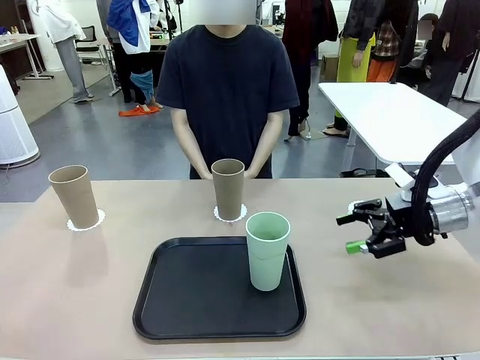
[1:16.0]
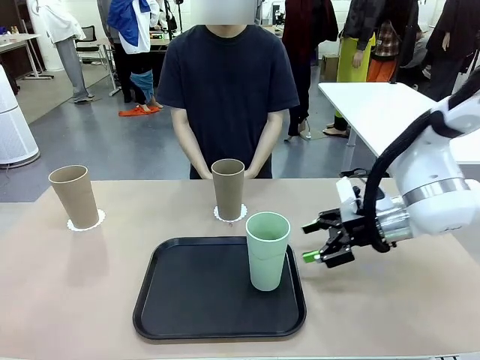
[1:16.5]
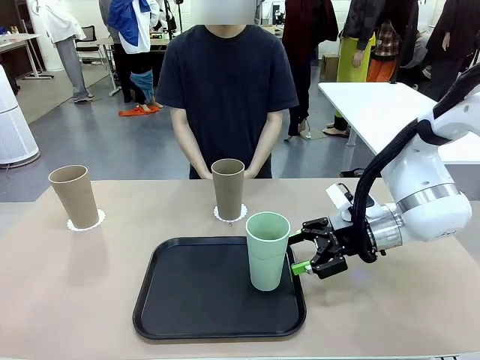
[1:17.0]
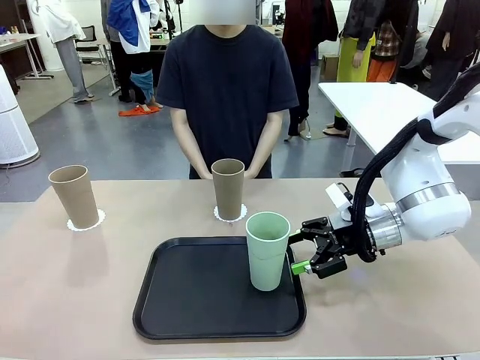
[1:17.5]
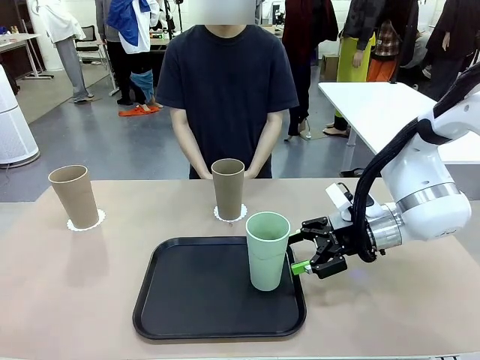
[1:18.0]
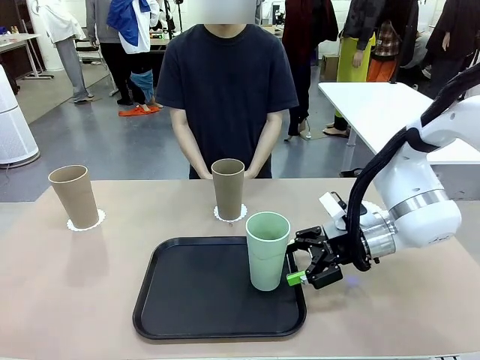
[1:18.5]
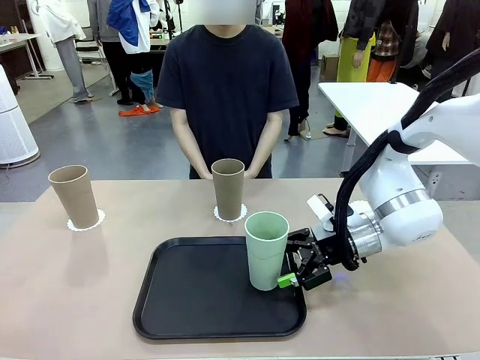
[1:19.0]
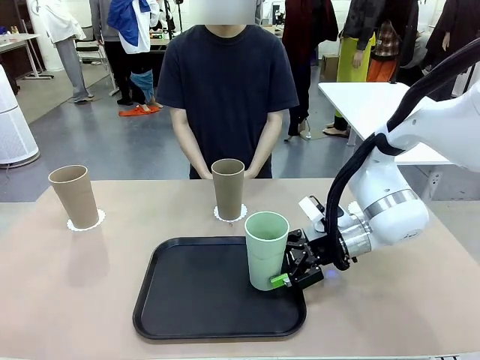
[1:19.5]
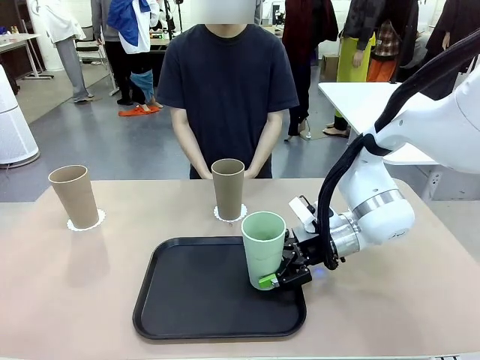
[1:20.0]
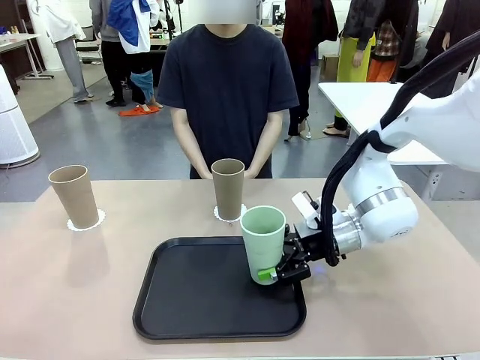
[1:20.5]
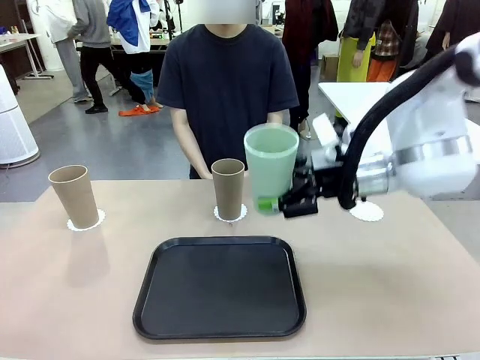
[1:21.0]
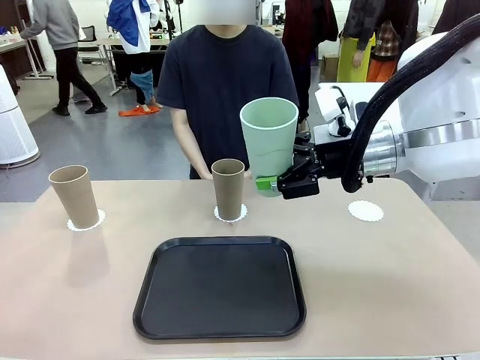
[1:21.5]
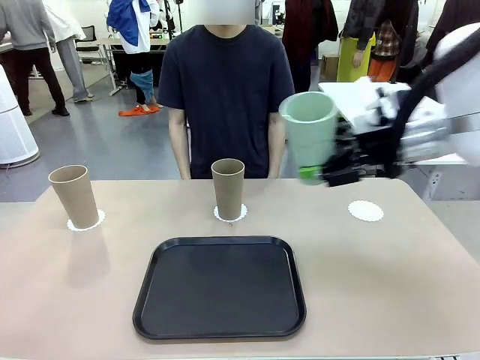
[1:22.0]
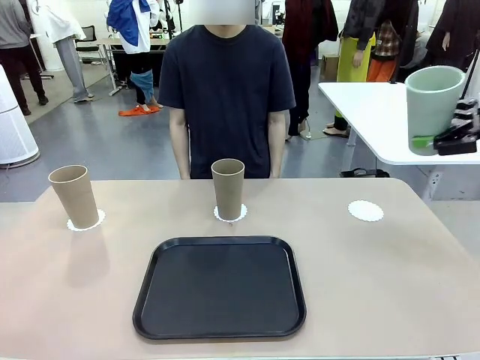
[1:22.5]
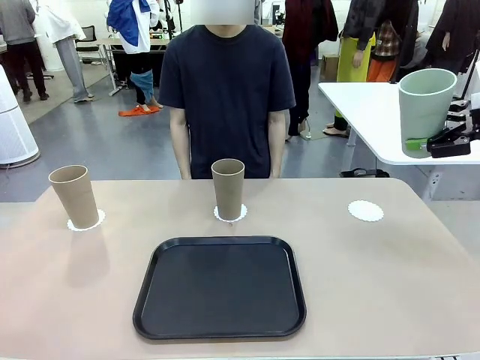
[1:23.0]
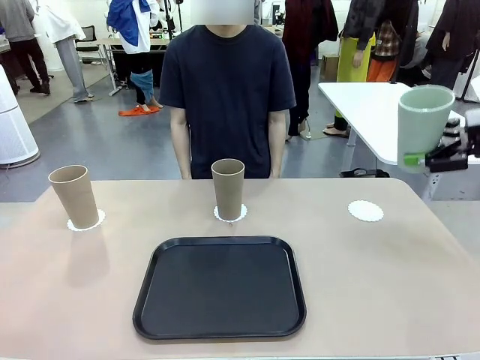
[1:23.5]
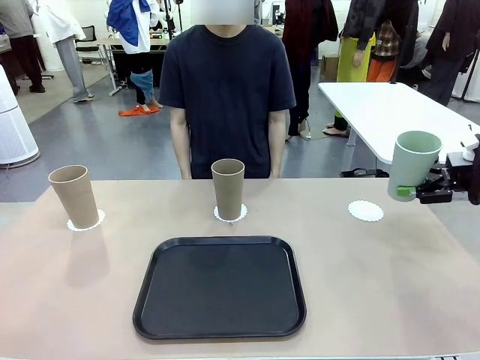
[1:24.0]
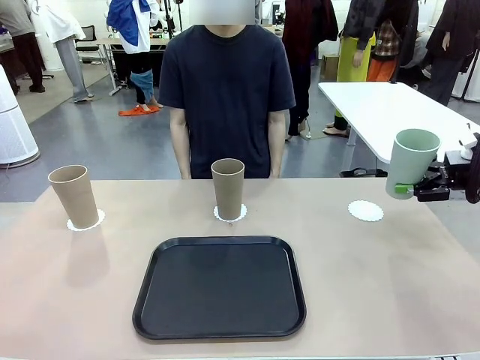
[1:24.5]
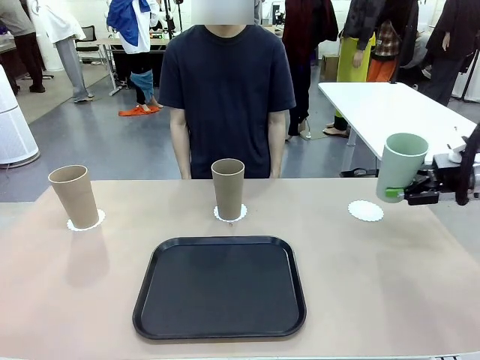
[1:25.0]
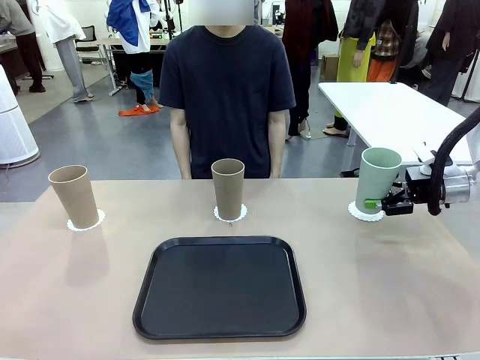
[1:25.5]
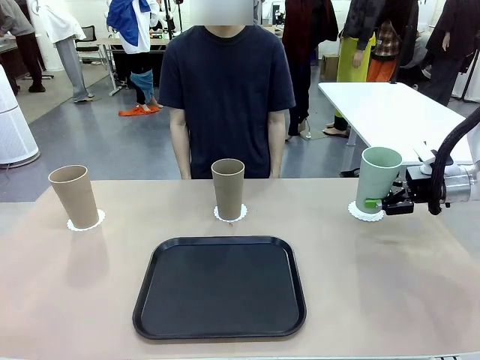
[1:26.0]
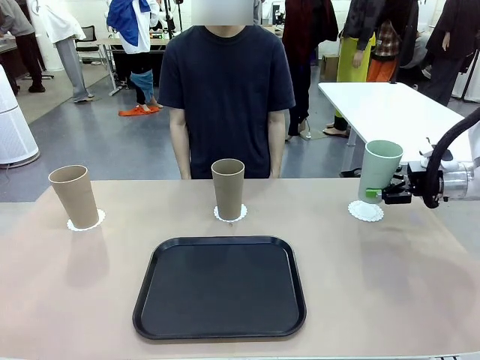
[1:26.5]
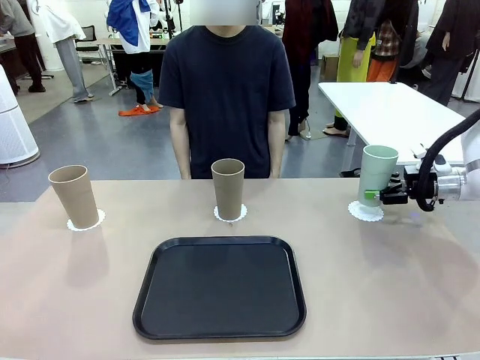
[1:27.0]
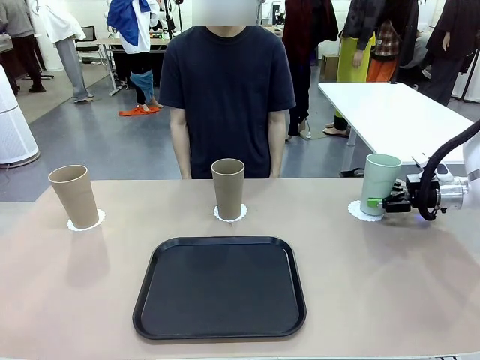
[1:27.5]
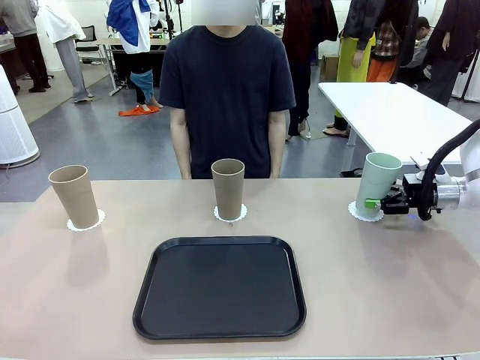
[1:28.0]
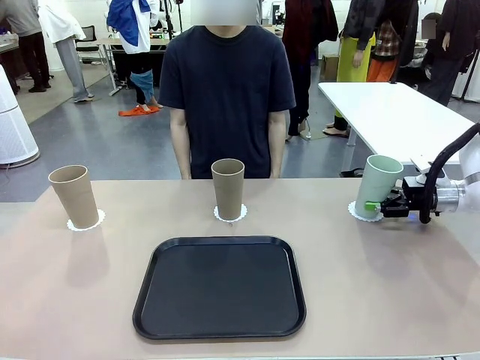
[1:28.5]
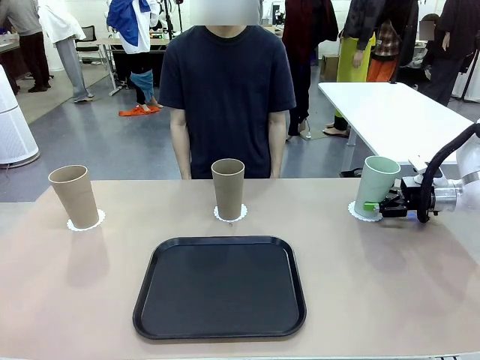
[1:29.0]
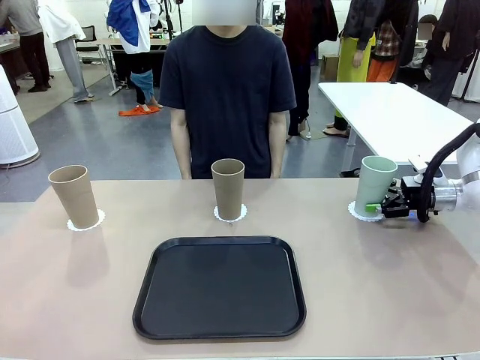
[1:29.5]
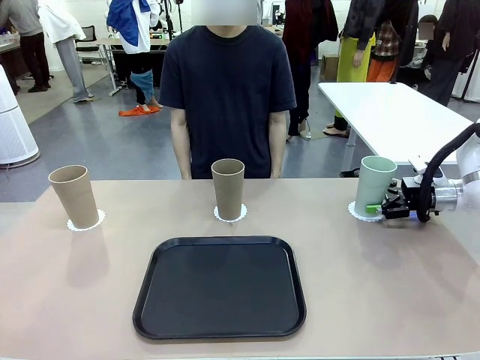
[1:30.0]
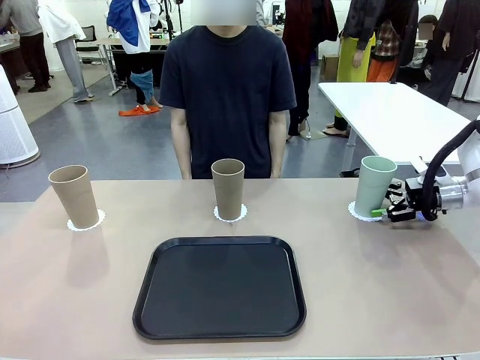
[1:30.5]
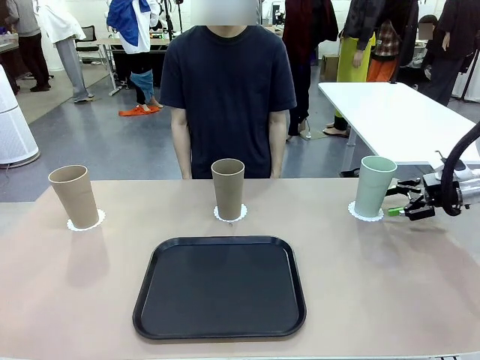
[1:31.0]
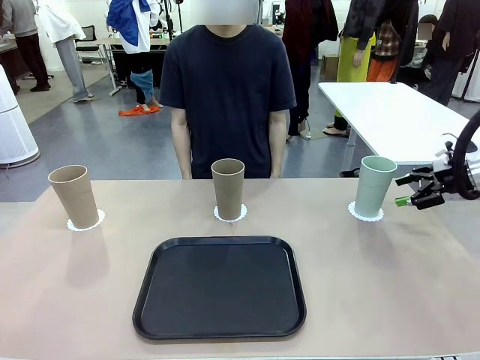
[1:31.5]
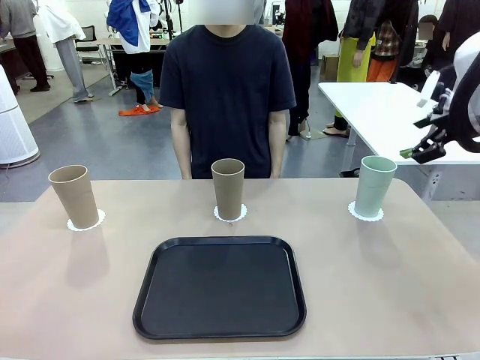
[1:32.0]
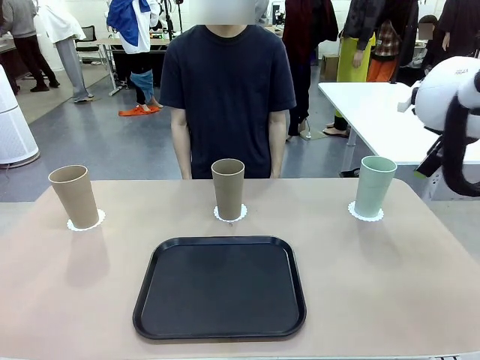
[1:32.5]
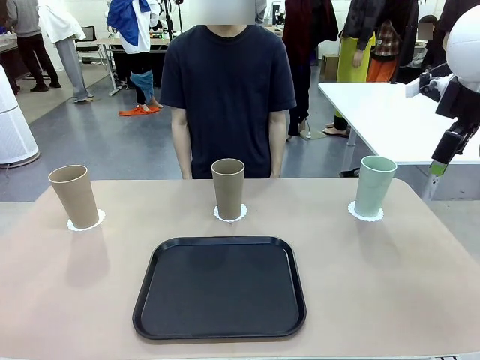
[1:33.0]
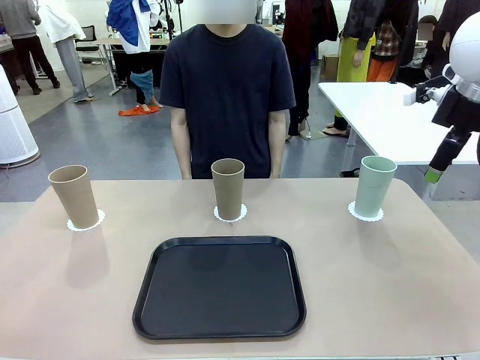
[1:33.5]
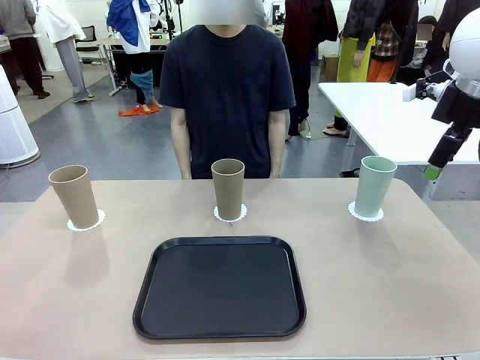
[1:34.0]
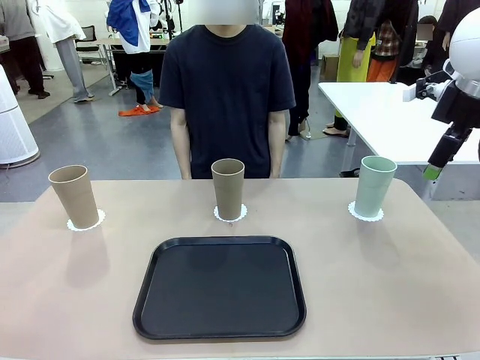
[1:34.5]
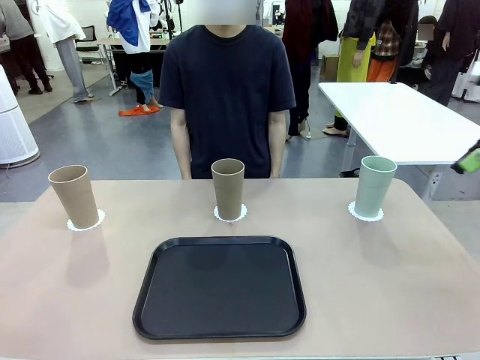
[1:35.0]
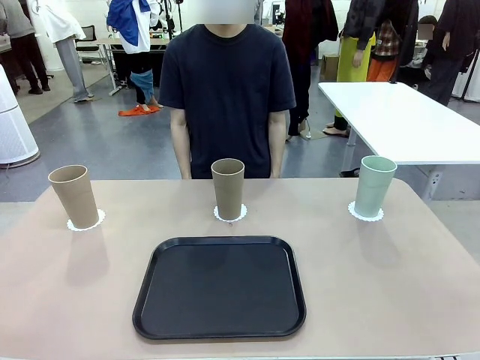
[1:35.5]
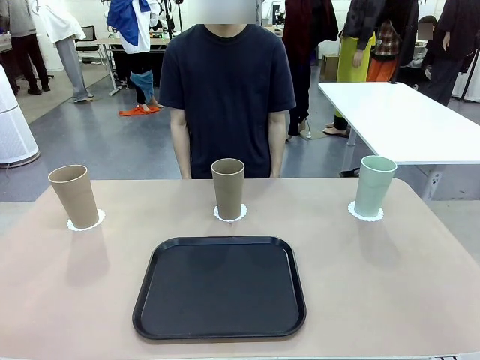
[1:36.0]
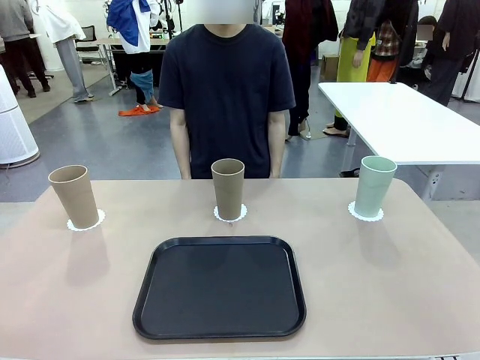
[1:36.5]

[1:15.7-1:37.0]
Task: Place coasters on the table and set cups on them.
Robot: Take one Reusable plastic cup from the Flat Tray and place it on a coaster set by the human.
